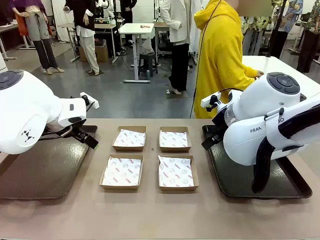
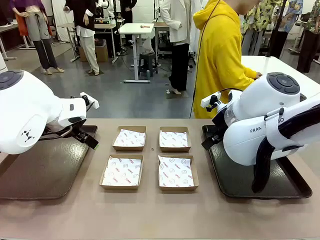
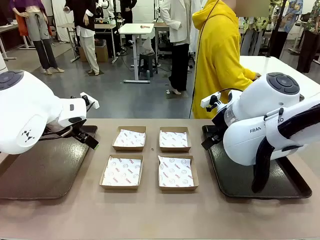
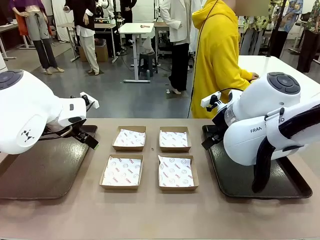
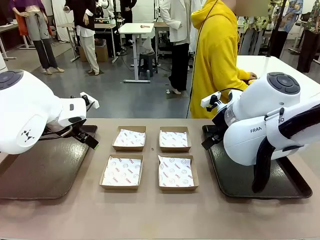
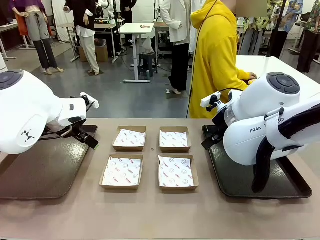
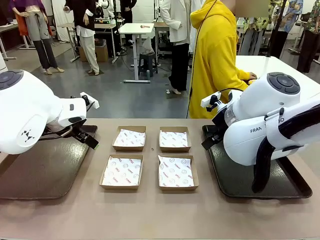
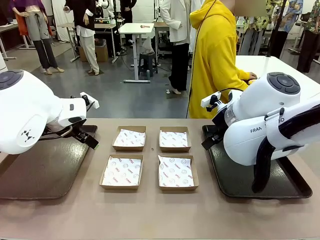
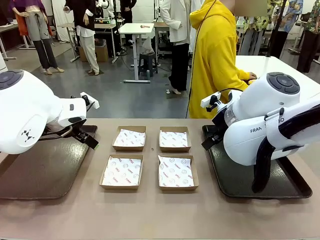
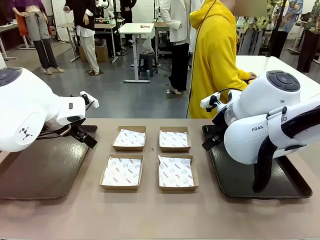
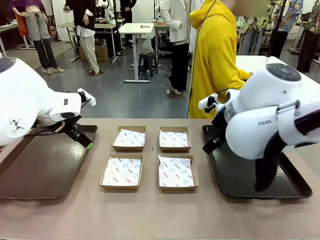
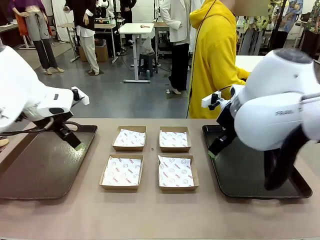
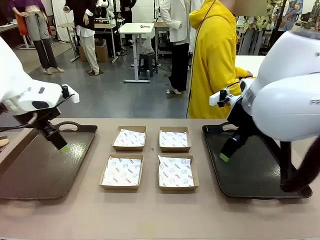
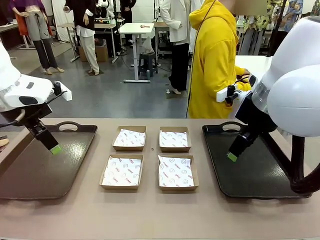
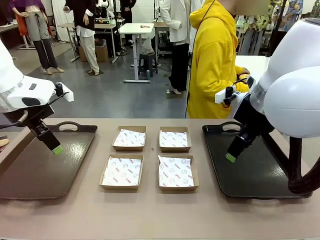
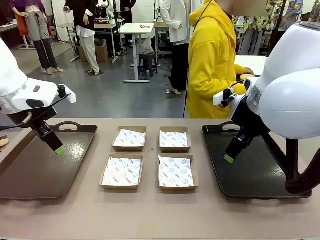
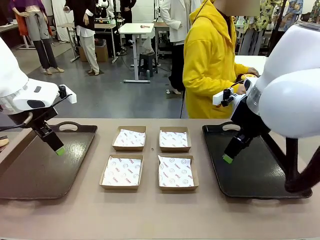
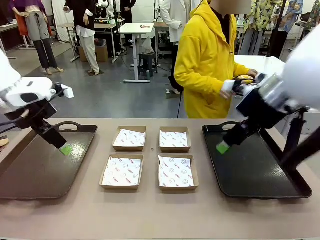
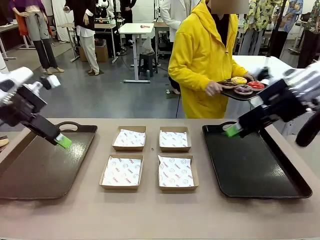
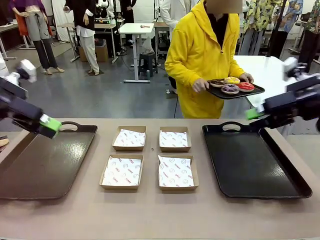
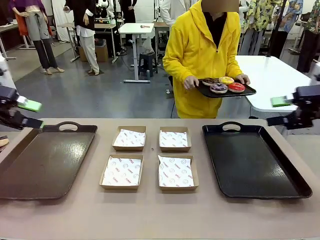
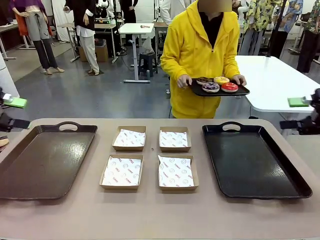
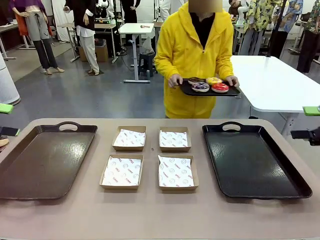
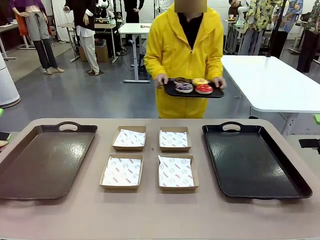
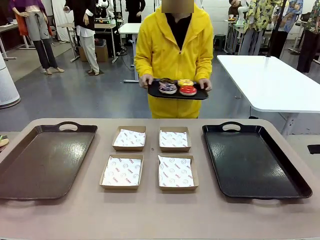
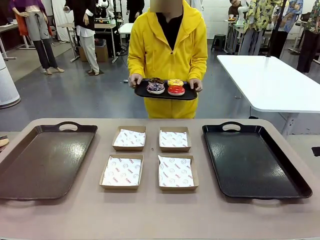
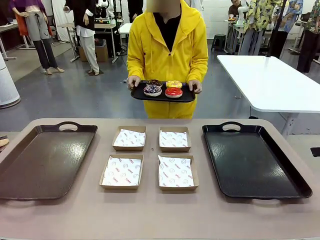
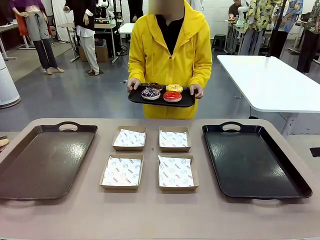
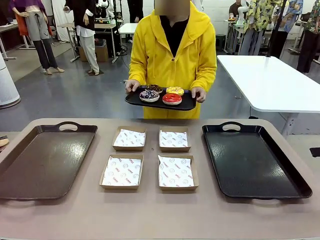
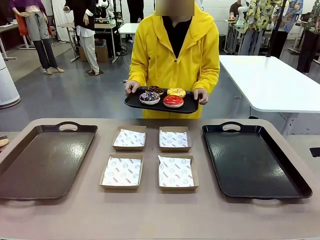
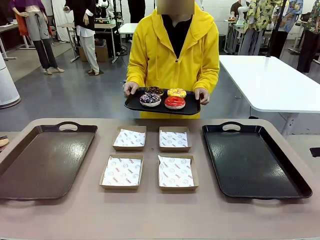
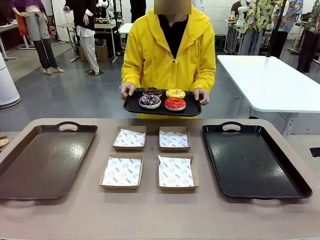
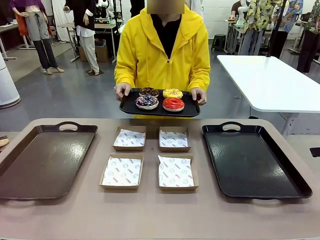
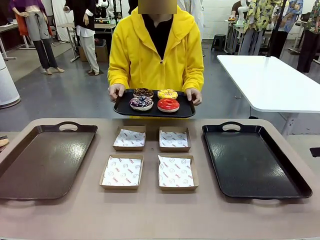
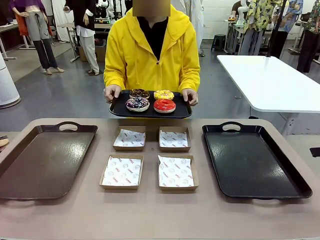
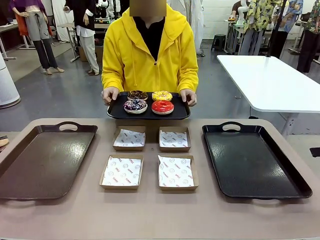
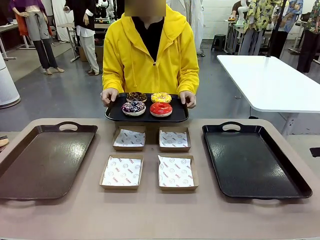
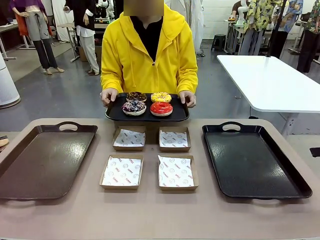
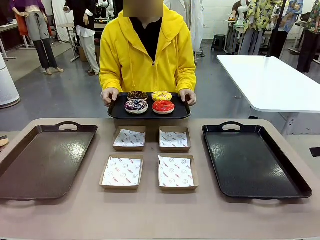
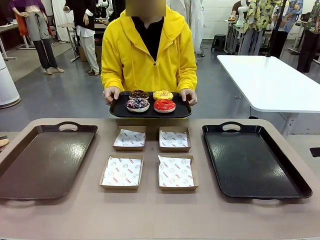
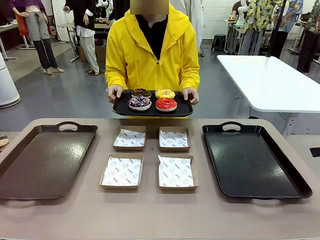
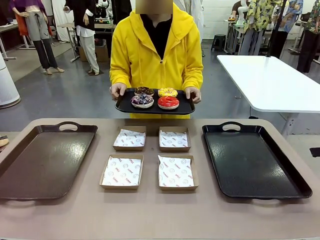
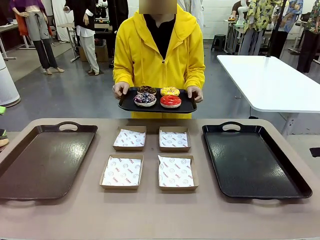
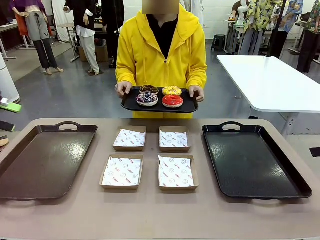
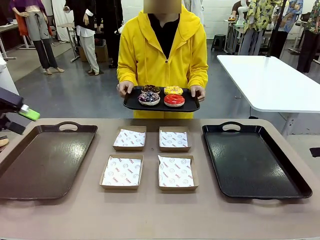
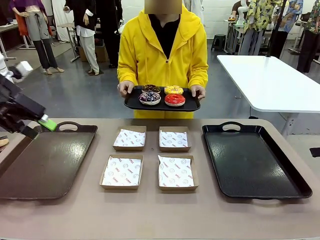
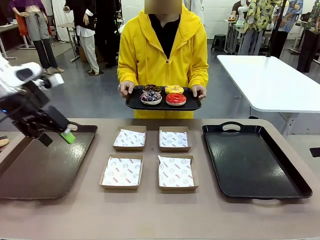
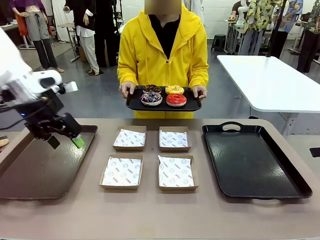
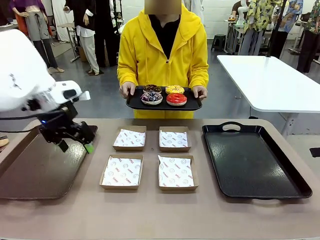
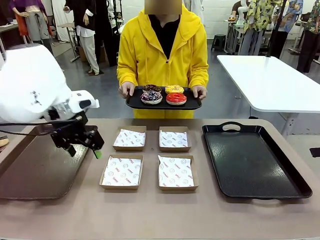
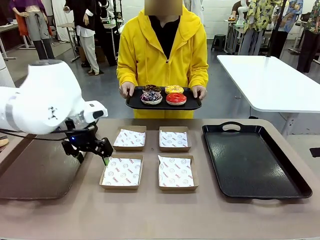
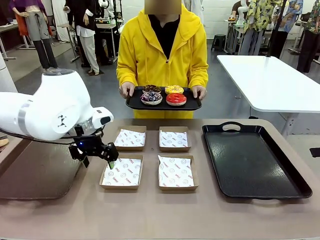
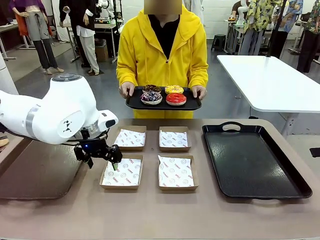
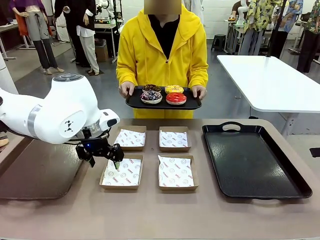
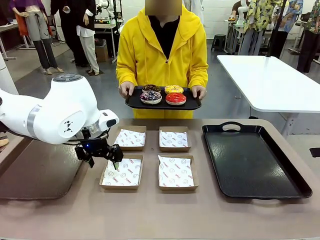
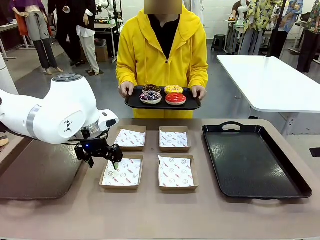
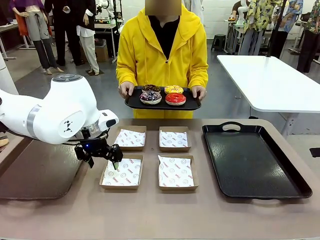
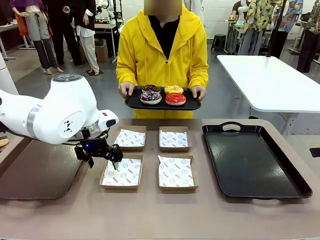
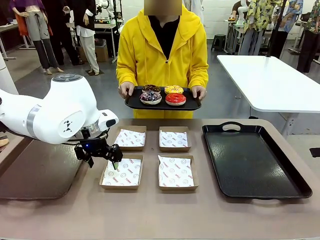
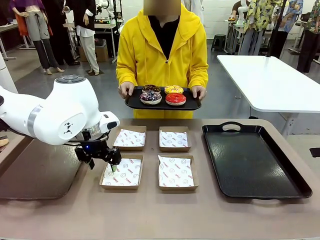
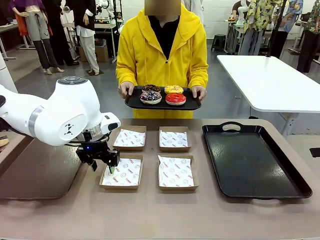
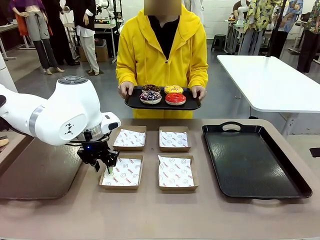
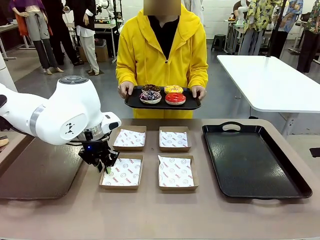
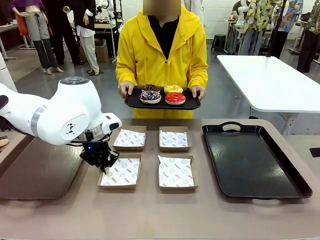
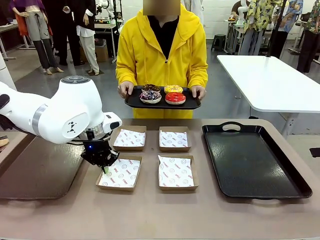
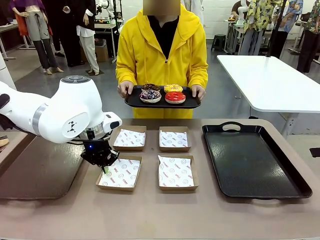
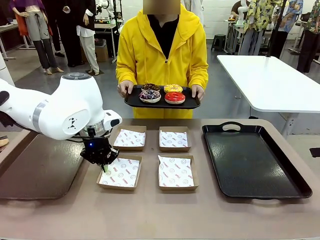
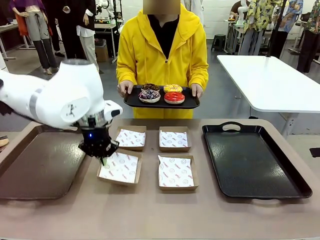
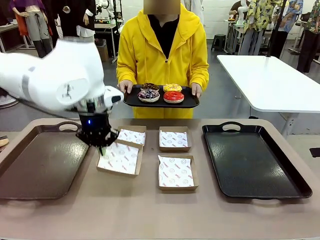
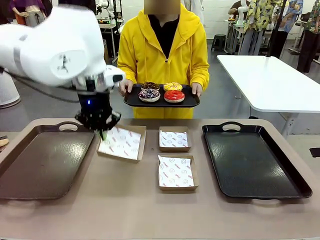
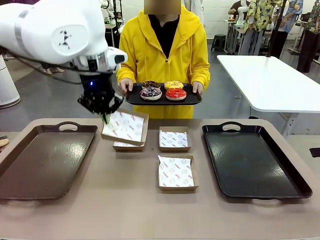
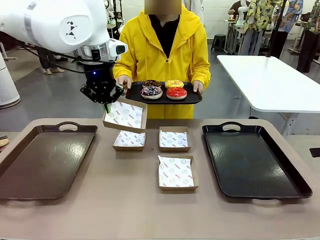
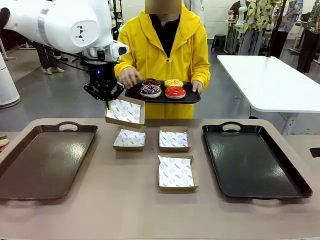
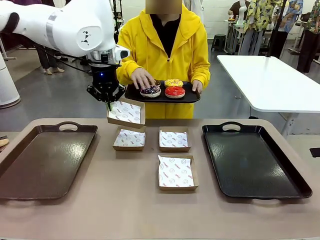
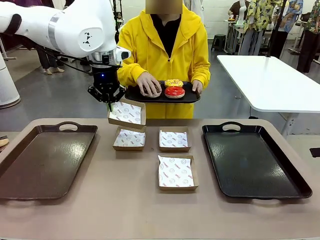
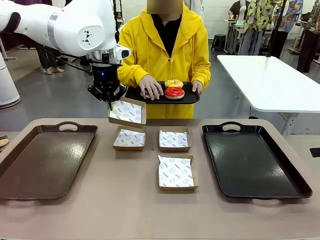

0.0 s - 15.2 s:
Task: Individually package the donuts and arrange them on the tray.
Robot: Pick up one Paper togo box.
Person: Stand in front of the robot table holding the tray containing the donuts.
